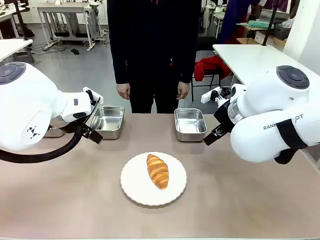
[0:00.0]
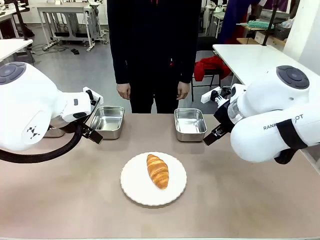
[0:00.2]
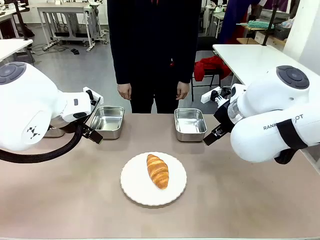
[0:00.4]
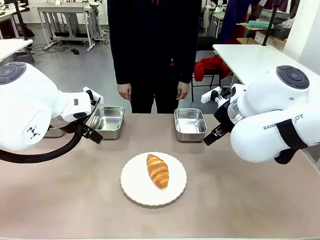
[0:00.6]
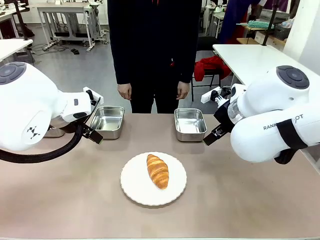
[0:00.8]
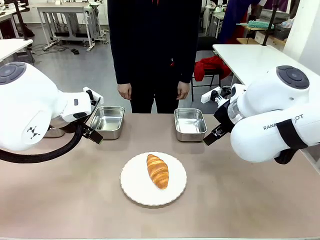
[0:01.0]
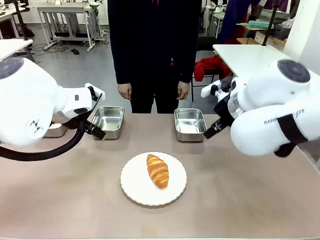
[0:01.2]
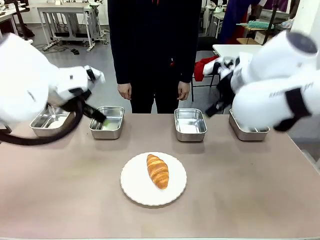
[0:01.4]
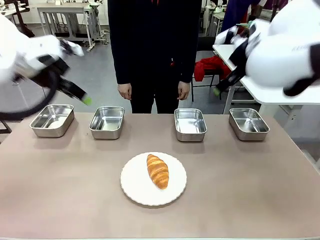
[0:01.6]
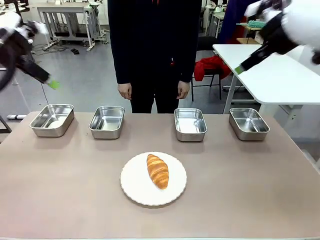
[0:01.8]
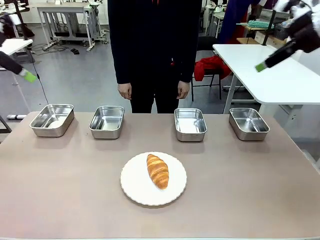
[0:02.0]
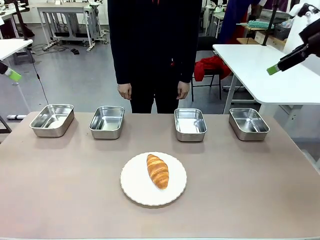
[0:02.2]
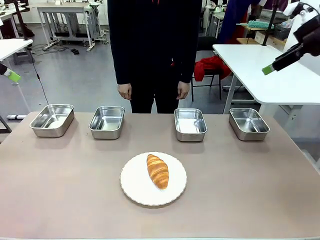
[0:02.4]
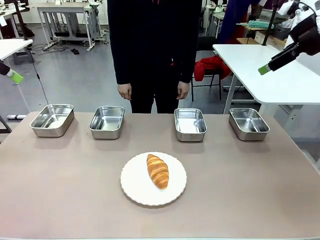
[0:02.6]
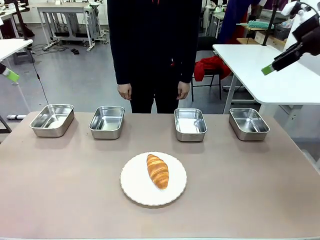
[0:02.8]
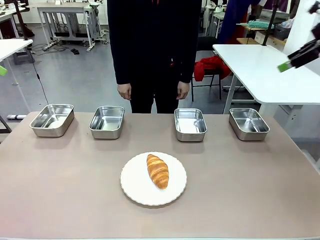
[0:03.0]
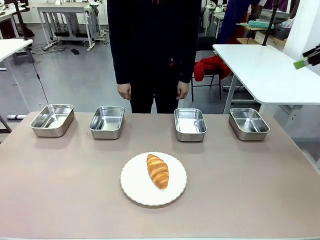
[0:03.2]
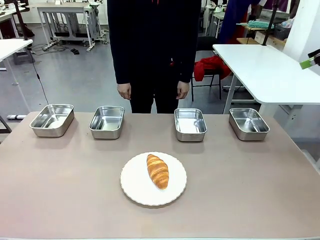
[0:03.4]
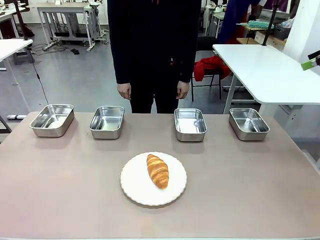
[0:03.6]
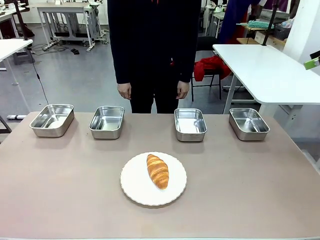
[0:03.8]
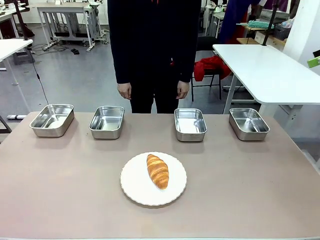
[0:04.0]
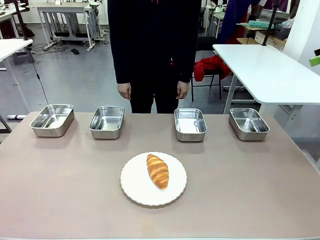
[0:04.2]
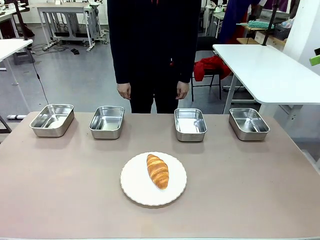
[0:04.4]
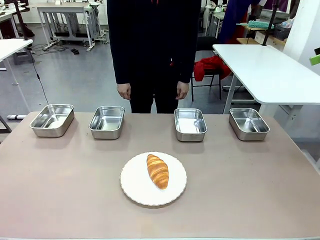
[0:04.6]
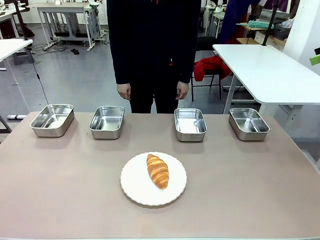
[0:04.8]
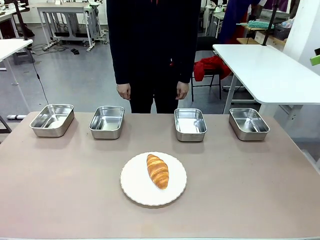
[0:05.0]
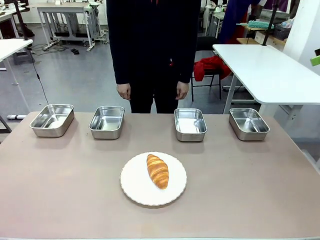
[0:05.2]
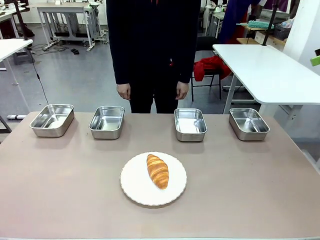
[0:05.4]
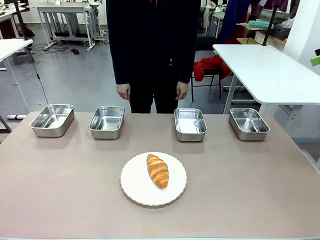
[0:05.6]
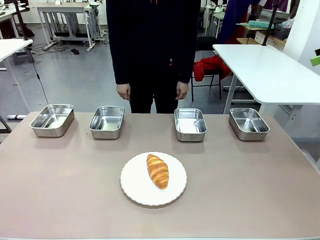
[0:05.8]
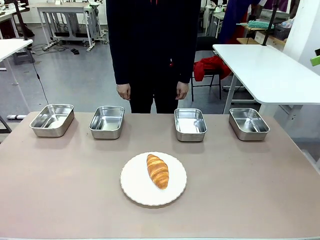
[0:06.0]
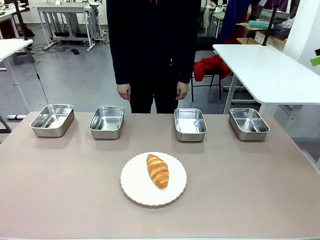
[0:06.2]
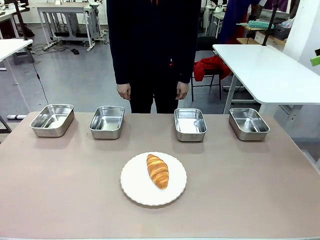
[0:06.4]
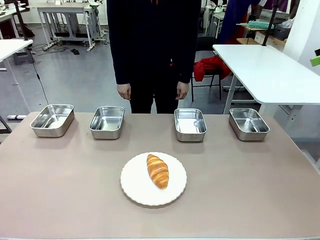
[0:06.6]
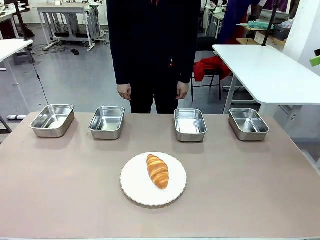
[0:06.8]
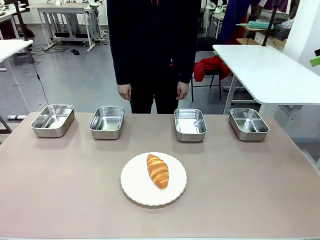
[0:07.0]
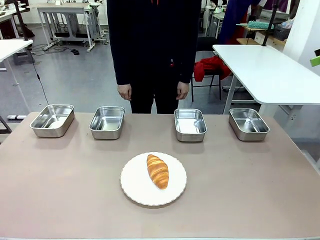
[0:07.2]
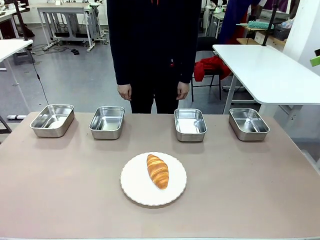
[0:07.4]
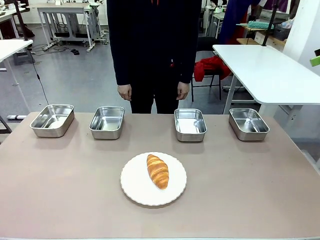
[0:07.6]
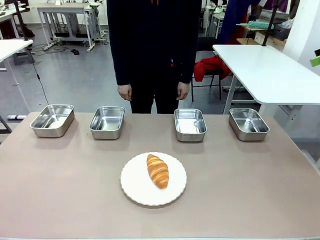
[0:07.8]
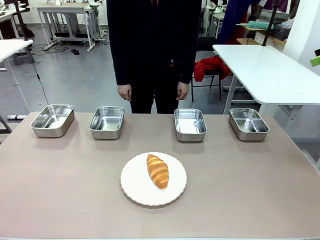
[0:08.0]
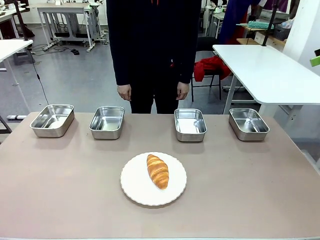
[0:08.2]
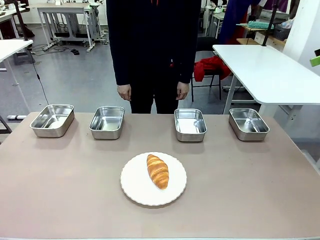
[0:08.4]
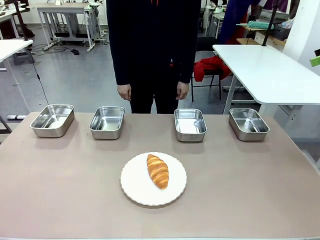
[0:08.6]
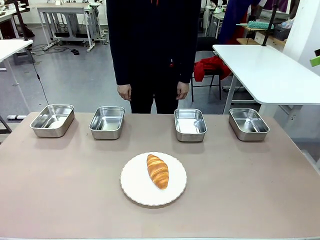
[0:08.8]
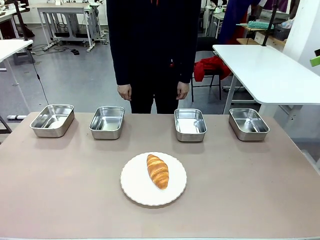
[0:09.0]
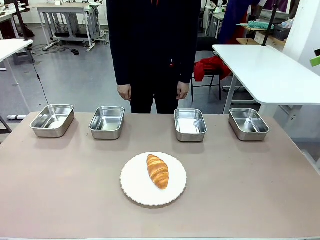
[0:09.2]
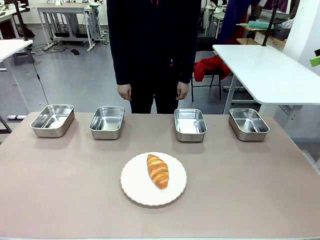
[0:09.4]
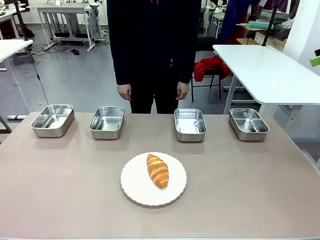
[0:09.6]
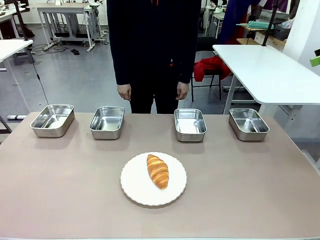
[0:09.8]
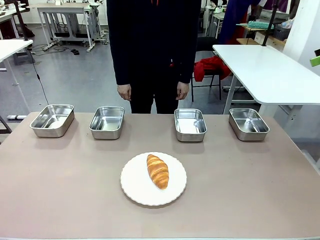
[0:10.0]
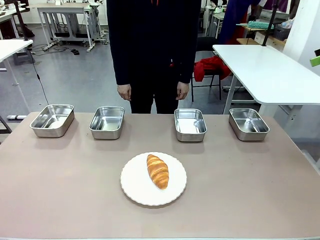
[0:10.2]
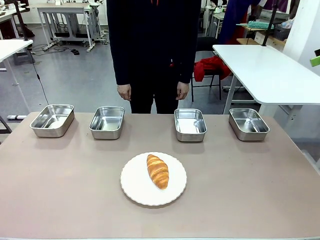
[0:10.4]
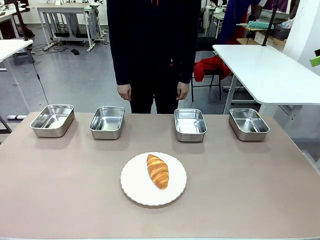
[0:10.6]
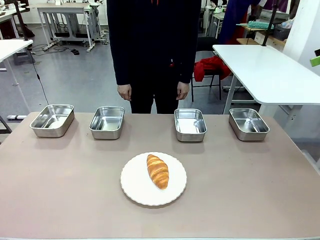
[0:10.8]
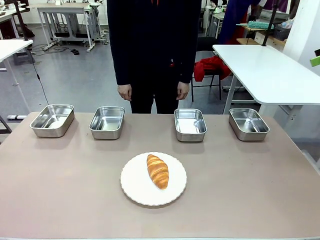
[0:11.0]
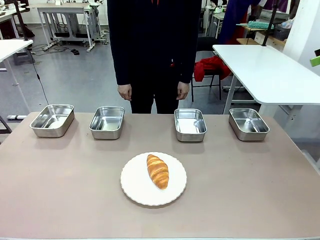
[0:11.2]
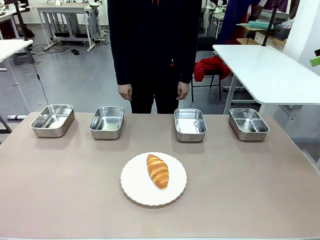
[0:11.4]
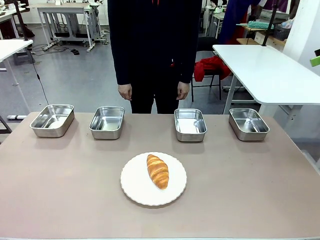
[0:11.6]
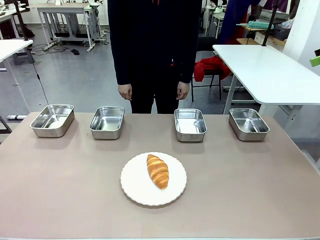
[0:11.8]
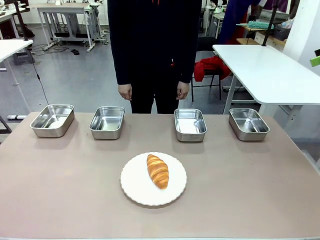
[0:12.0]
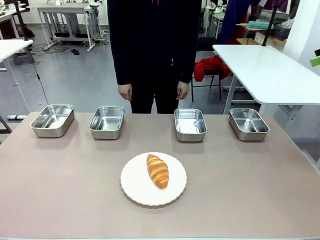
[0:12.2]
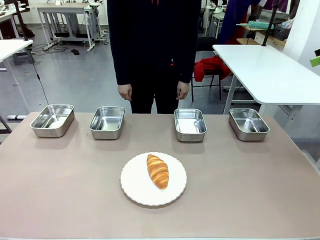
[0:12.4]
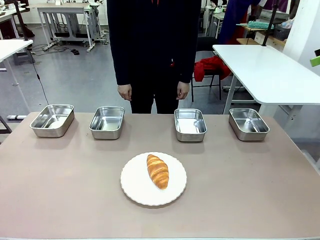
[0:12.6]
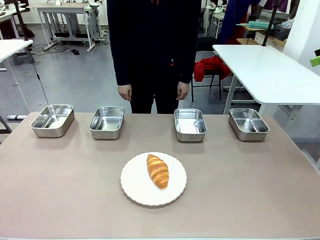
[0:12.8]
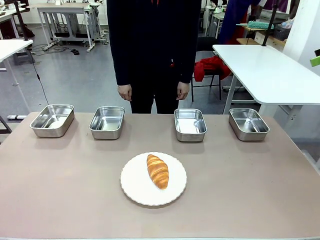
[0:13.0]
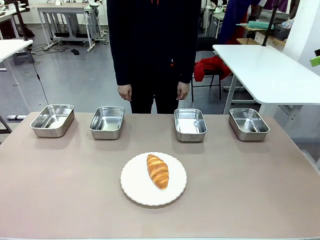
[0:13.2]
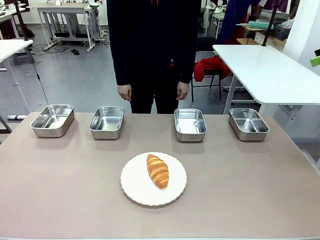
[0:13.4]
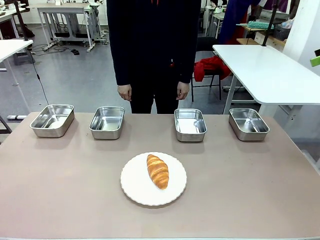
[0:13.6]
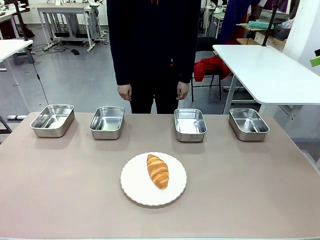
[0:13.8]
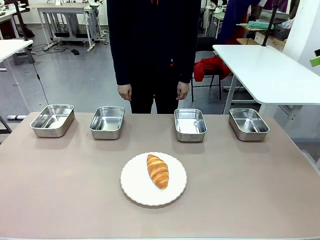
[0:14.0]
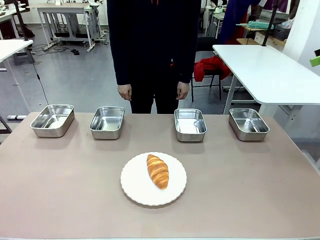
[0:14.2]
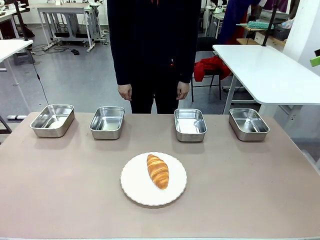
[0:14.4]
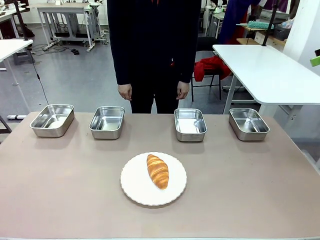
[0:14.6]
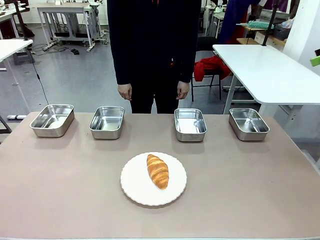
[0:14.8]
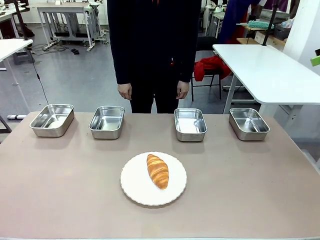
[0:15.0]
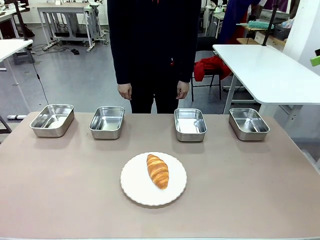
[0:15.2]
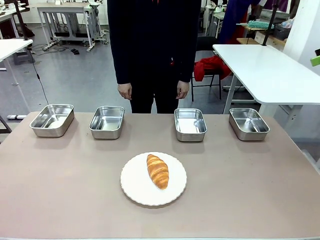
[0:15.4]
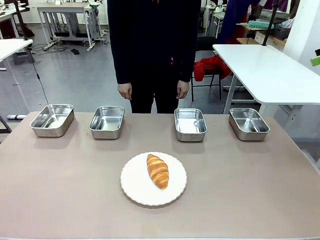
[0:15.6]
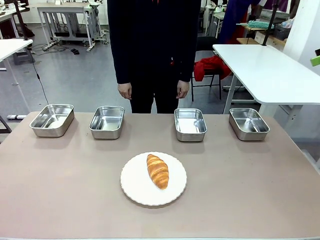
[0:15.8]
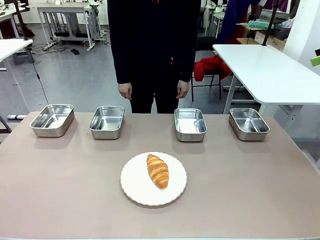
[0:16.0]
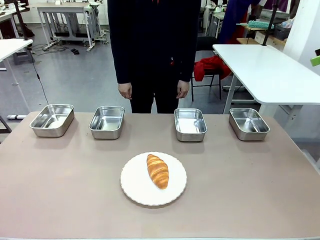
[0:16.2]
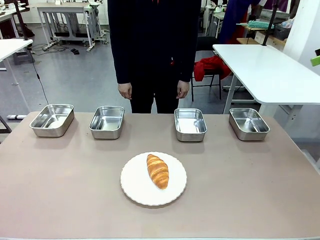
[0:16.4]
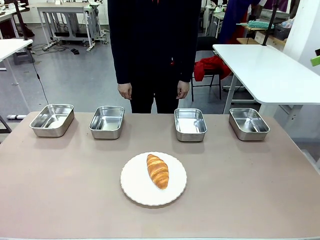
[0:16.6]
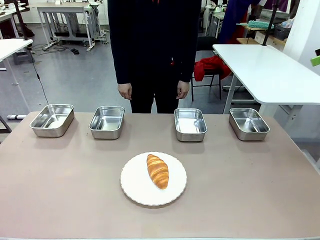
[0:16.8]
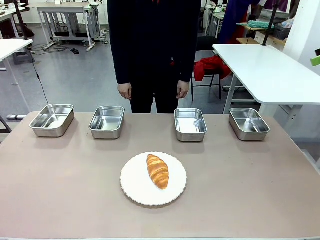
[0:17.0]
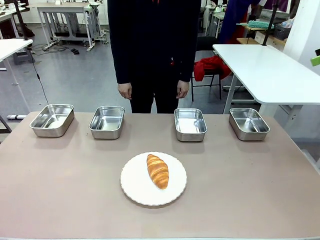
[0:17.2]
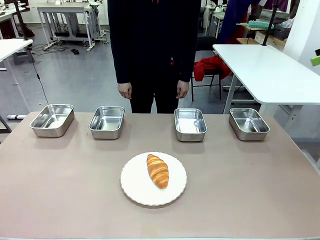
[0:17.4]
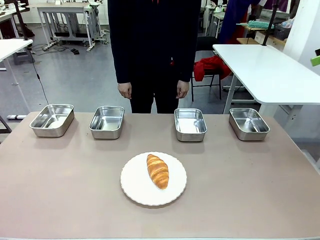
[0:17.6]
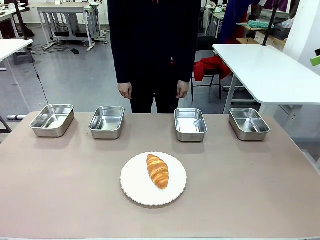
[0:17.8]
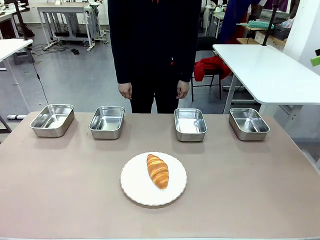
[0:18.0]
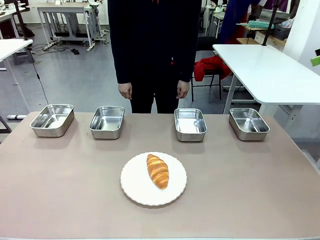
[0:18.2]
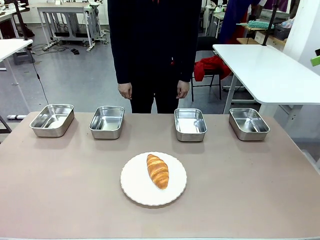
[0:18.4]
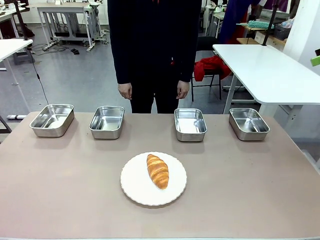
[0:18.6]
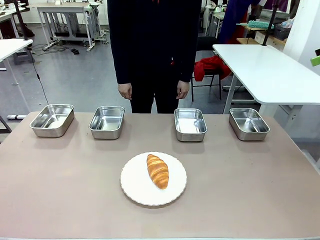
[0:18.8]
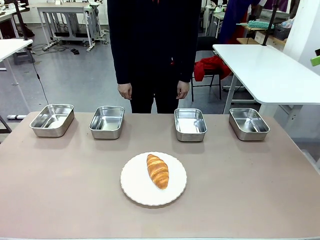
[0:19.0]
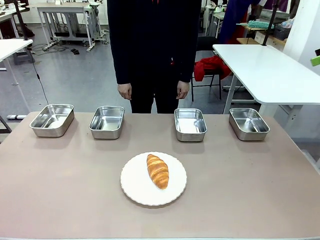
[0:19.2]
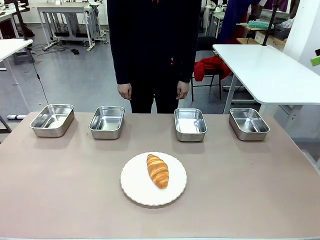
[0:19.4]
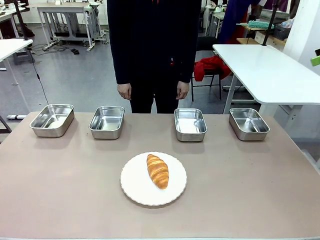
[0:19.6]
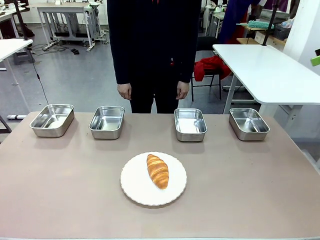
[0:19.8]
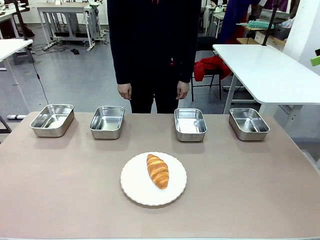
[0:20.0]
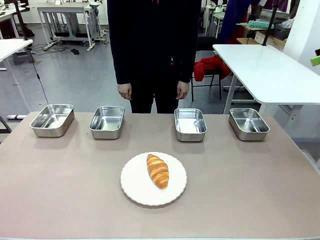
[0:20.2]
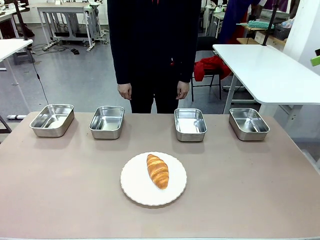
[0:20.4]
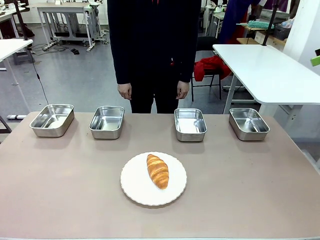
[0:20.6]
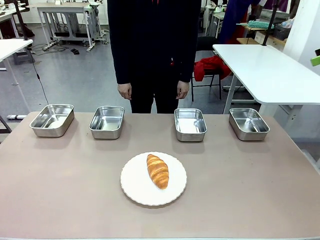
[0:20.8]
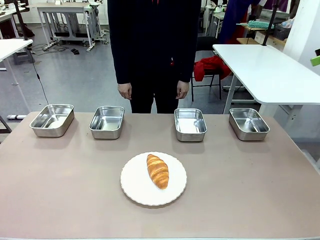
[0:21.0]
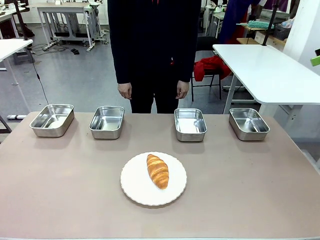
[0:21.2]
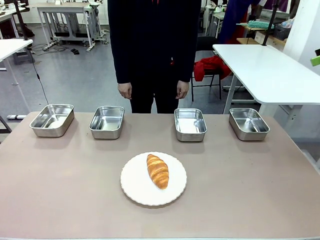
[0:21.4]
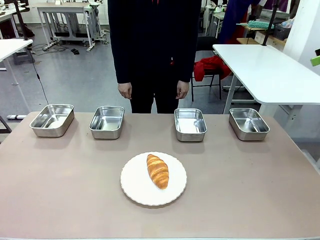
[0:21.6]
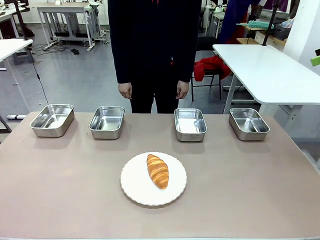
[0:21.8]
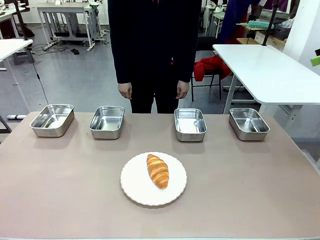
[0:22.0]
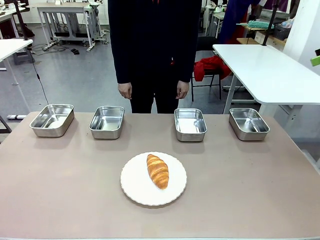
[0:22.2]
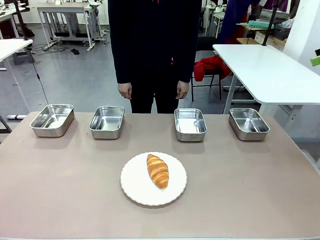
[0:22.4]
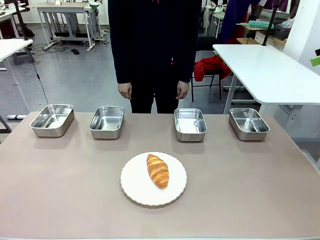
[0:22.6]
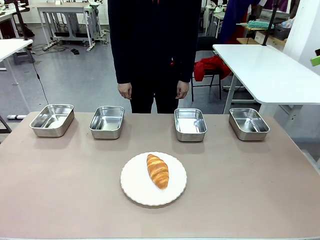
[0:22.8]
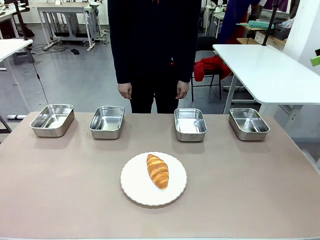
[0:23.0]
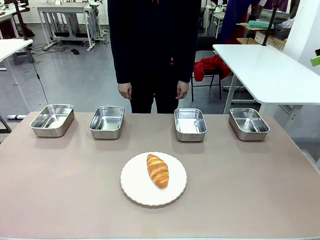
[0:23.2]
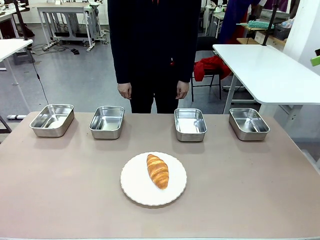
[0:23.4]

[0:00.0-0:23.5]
Task: Place the bread in the container.
Robot: Place the Butter Roll into the Airtight Container indicated by the human.
